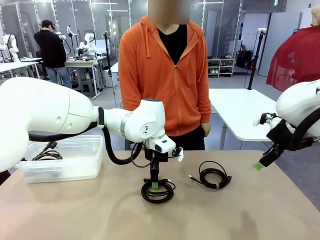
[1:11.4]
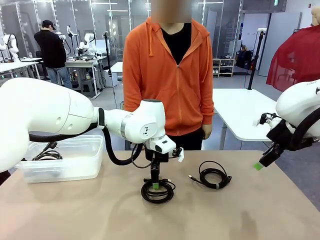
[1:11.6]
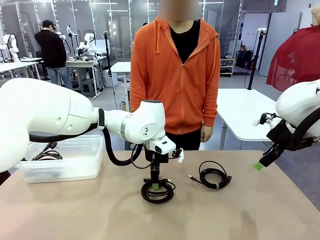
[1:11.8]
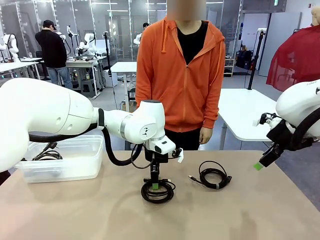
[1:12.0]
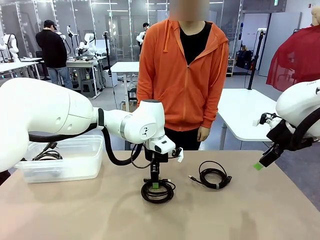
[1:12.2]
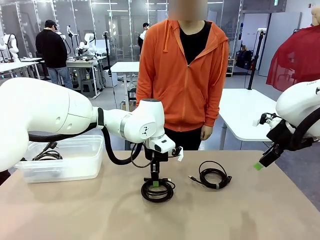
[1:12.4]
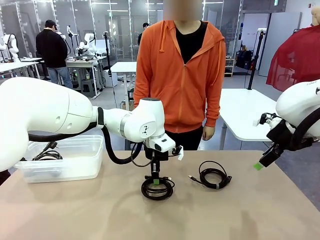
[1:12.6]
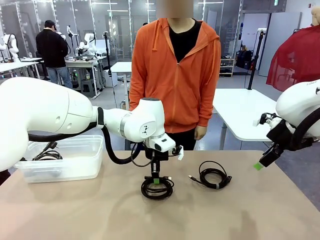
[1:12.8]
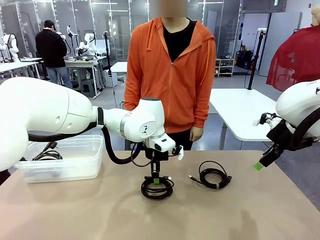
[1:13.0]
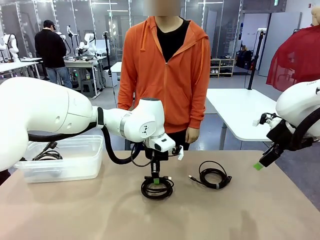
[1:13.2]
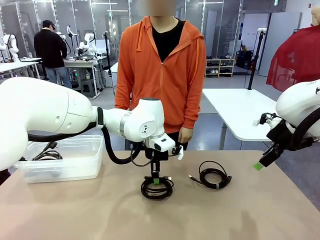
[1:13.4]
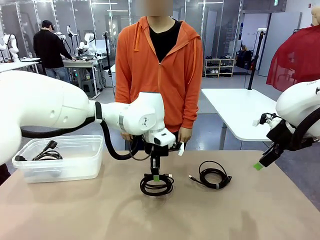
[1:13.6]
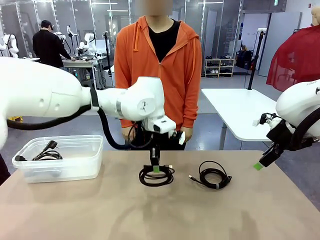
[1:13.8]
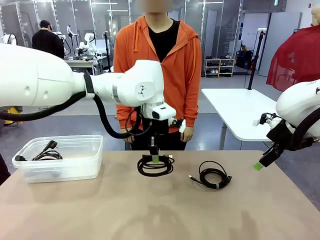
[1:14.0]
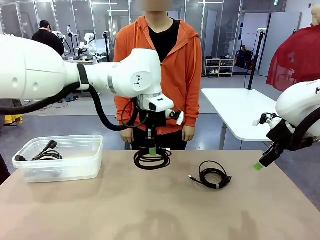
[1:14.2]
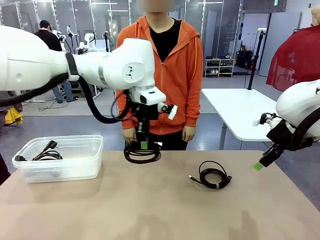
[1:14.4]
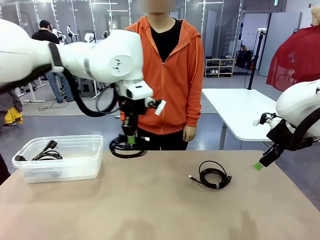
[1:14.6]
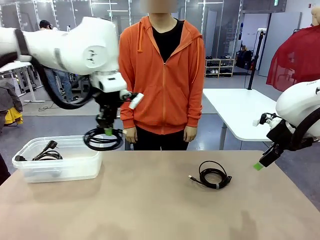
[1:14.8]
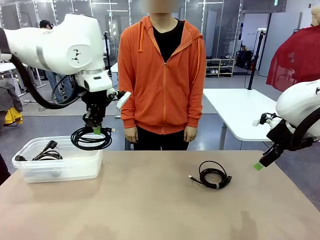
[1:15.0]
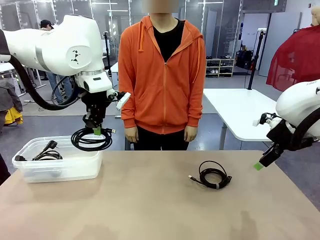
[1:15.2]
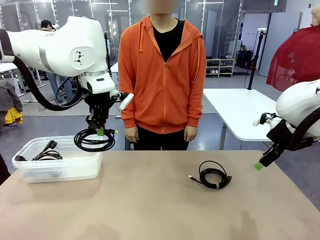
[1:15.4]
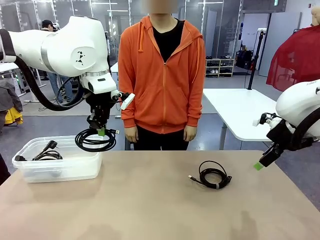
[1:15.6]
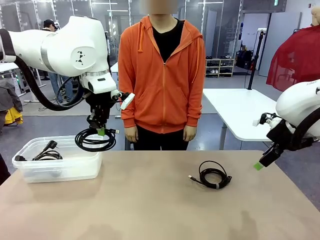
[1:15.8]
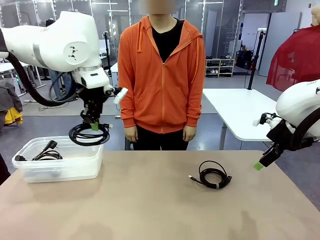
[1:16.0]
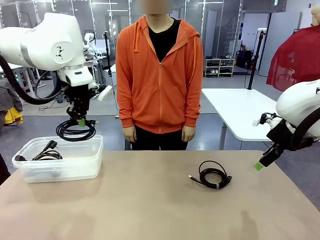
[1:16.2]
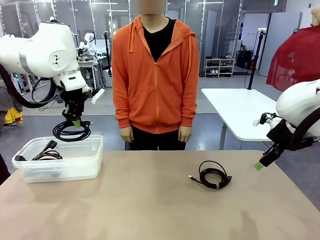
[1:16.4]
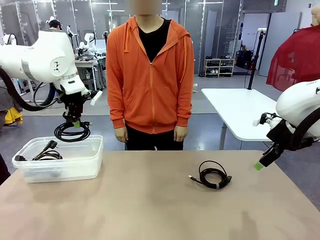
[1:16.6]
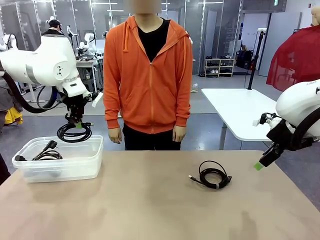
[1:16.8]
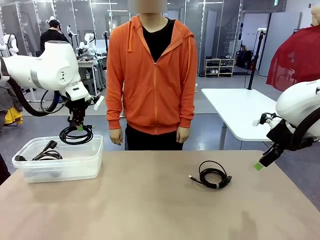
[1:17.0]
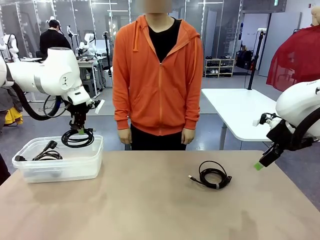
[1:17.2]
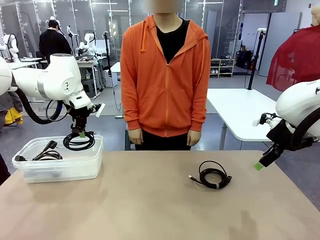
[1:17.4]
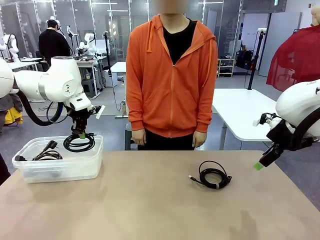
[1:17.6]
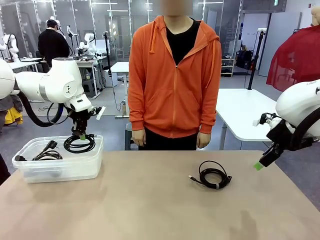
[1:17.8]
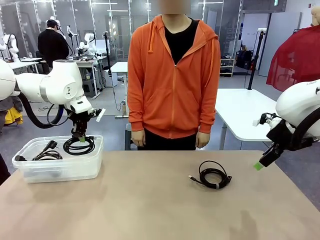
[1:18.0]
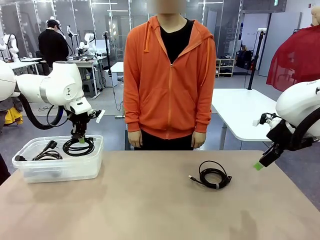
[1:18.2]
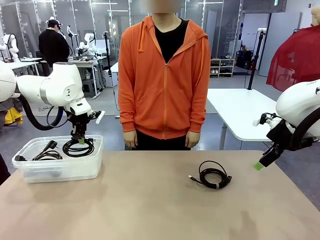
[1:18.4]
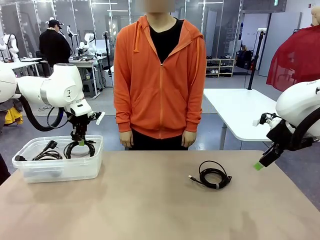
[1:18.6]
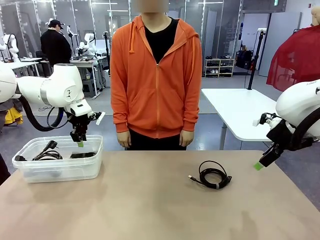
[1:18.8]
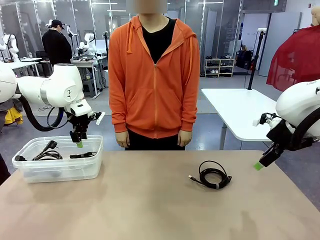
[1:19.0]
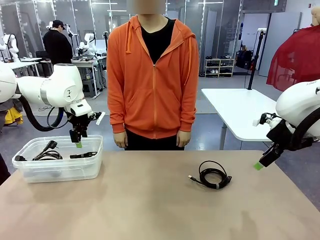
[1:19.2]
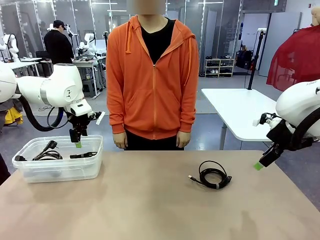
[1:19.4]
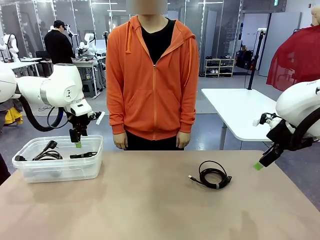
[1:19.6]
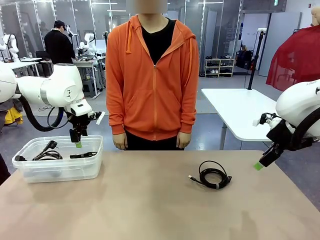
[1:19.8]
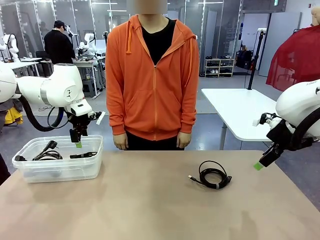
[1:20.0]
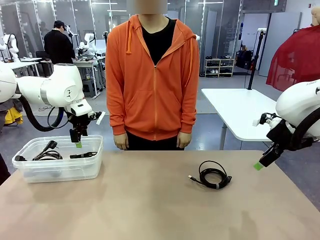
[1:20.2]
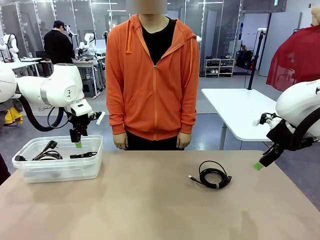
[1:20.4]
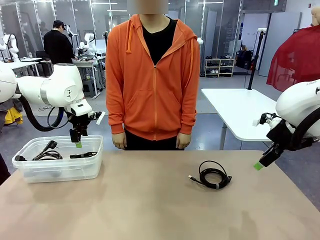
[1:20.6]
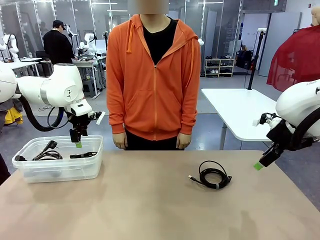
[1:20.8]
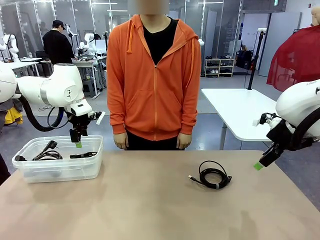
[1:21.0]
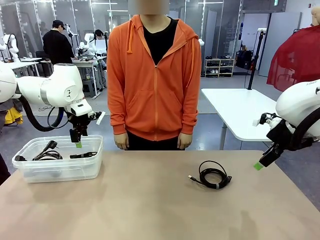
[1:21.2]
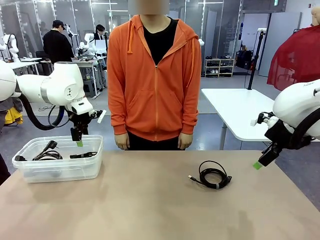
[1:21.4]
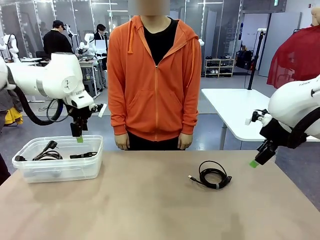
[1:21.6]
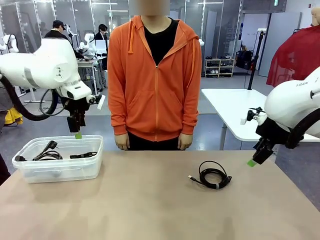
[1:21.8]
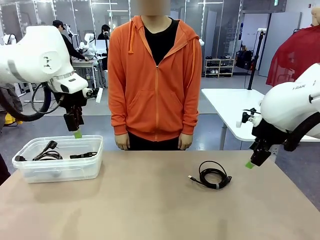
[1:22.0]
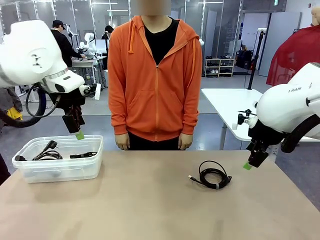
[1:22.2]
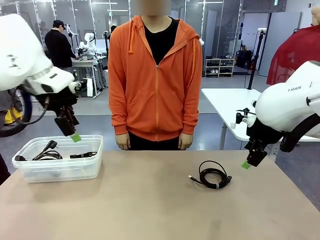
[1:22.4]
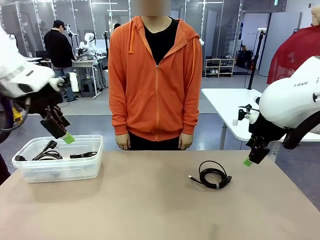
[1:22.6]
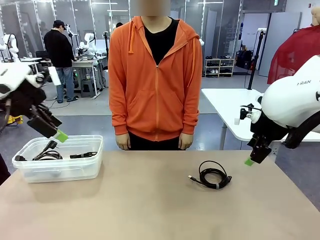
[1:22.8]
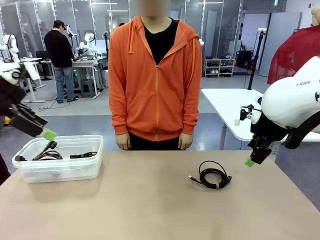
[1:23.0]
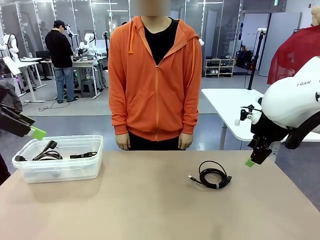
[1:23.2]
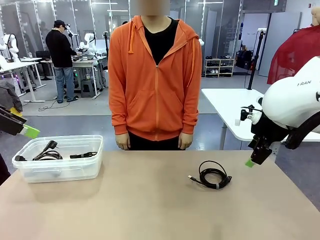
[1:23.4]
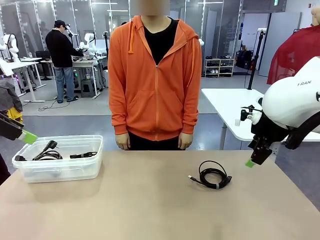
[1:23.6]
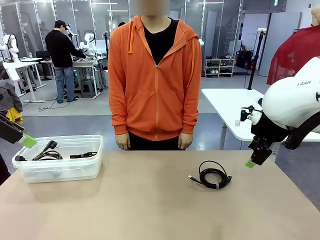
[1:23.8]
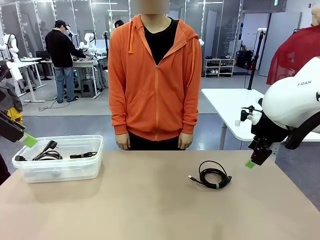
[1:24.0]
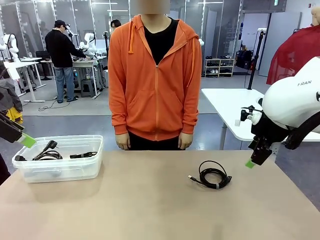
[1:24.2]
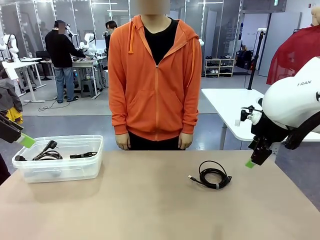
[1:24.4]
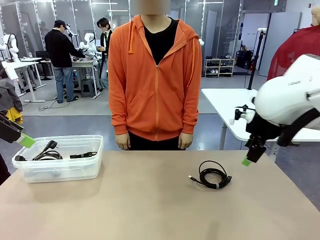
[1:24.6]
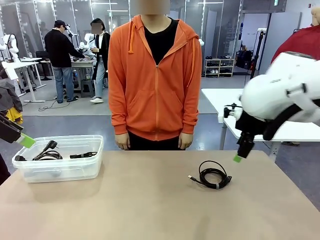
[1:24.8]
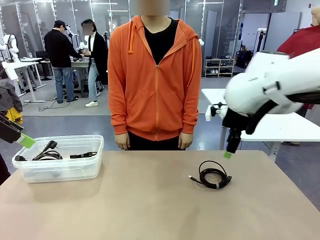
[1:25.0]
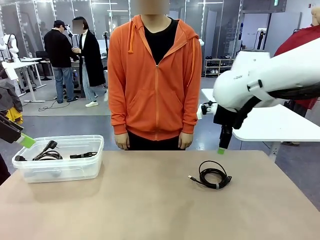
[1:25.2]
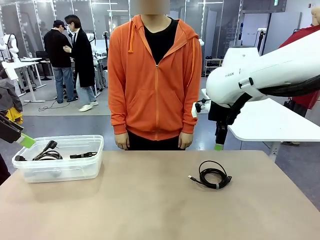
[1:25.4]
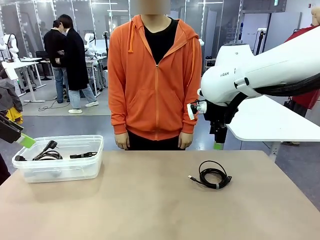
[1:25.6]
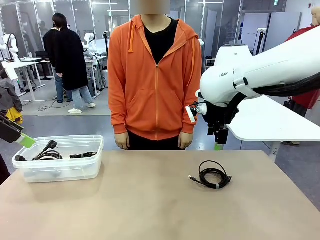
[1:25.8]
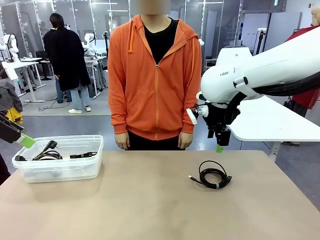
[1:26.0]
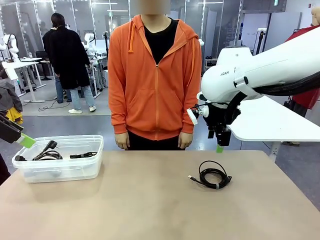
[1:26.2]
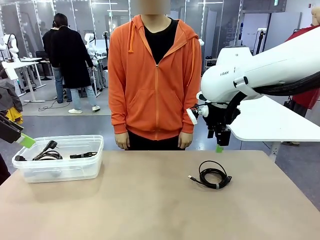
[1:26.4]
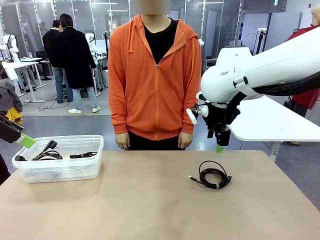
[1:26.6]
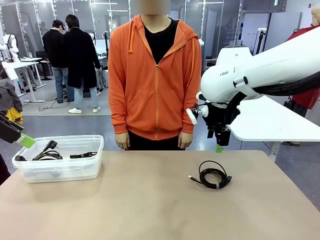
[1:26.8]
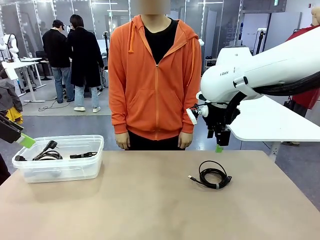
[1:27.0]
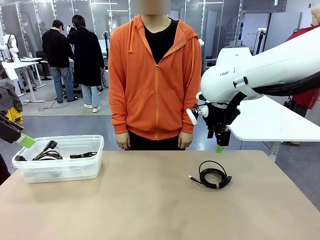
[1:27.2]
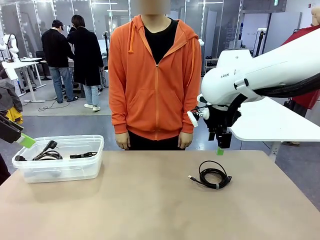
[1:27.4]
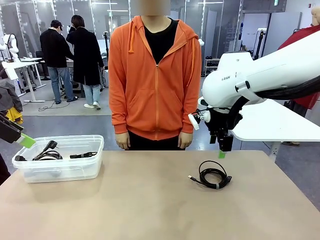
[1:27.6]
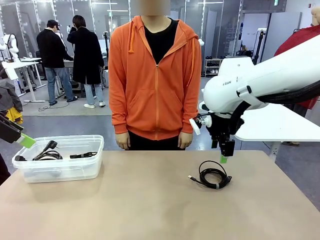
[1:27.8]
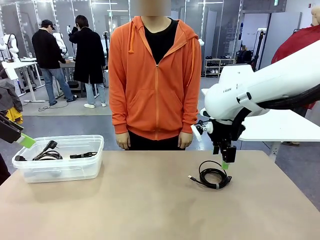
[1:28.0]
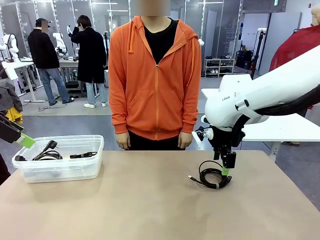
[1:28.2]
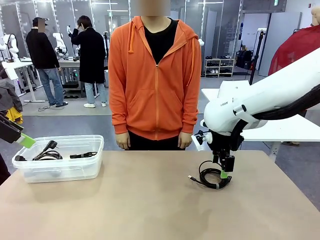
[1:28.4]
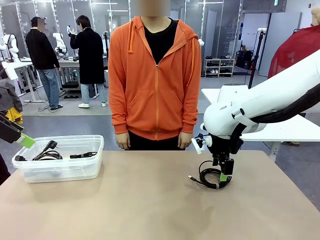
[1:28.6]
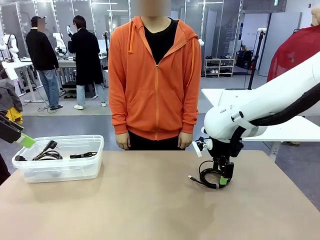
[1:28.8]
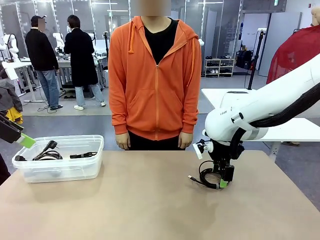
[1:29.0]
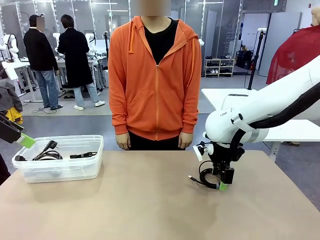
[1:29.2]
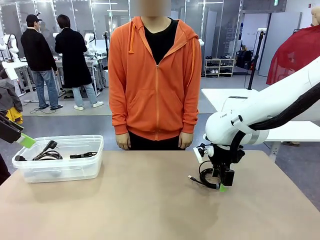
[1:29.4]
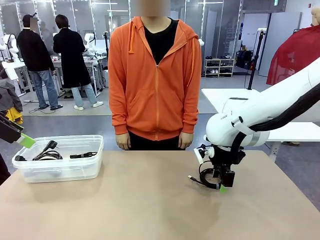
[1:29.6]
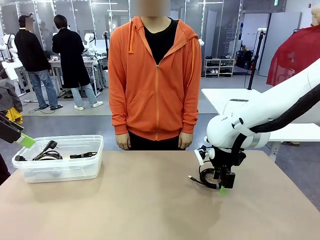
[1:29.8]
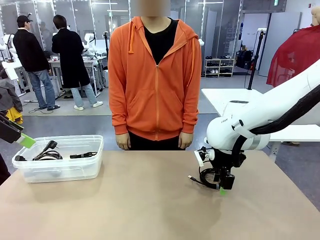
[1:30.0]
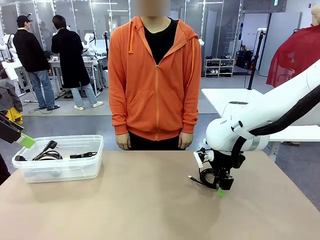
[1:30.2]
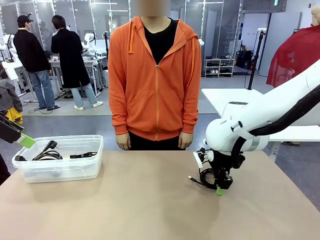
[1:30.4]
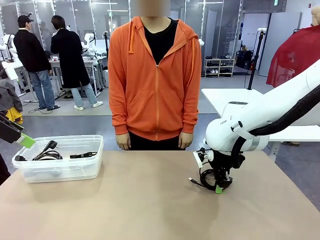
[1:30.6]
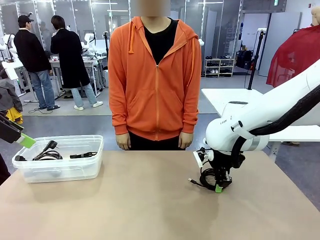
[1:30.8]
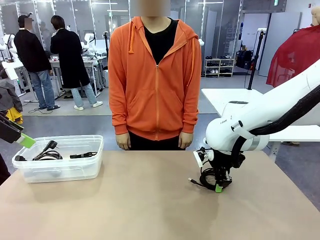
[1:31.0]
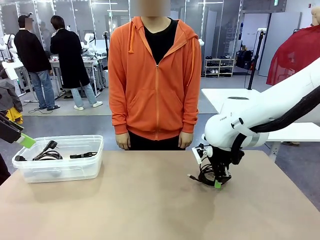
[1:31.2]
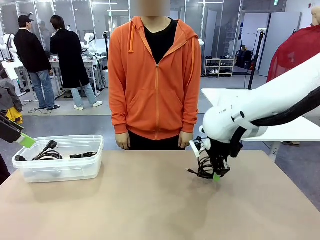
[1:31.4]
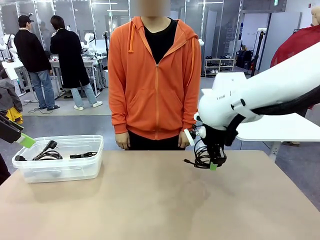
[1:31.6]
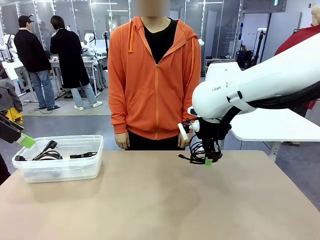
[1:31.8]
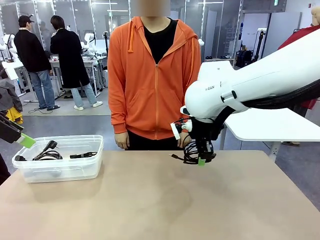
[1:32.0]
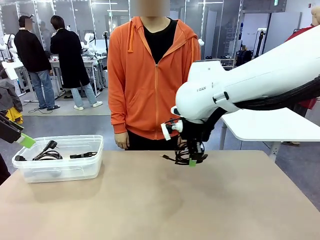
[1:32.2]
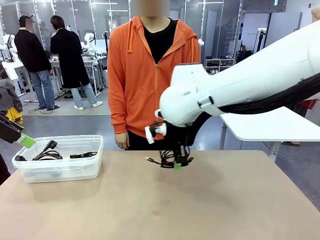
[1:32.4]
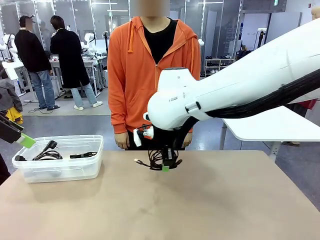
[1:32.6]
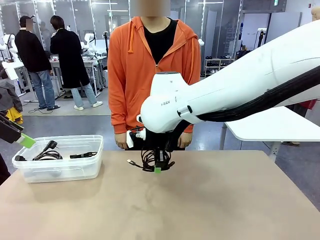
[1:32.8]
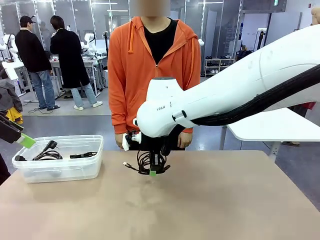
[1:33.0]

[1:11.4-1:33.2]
Task: Organize and store the cables.
Robot: Place the USB Extension Cable into the Organizing box.
